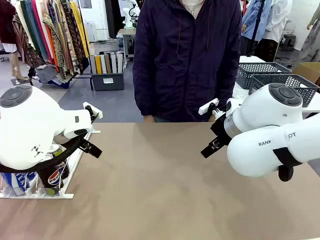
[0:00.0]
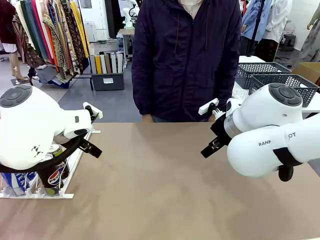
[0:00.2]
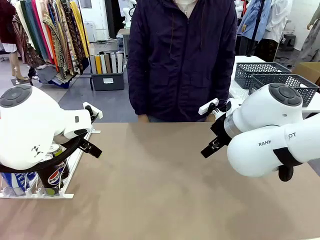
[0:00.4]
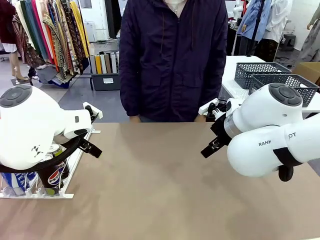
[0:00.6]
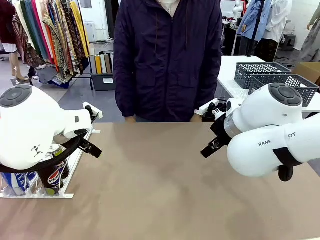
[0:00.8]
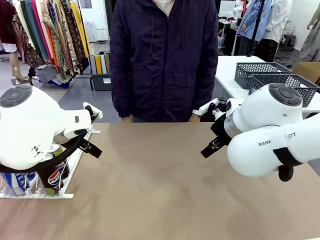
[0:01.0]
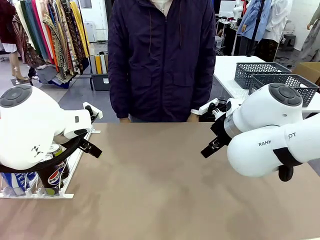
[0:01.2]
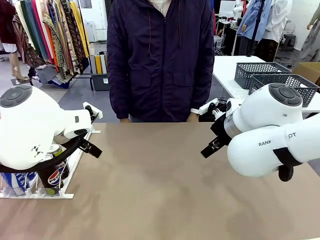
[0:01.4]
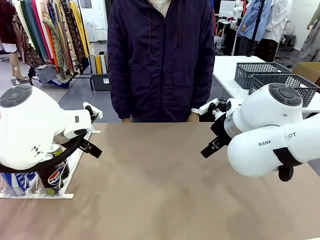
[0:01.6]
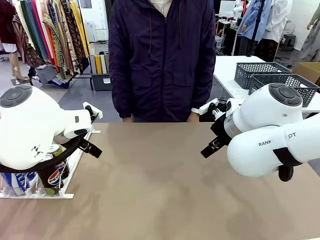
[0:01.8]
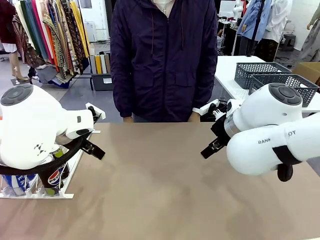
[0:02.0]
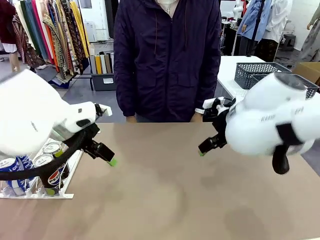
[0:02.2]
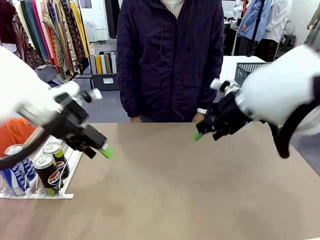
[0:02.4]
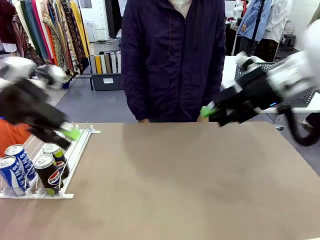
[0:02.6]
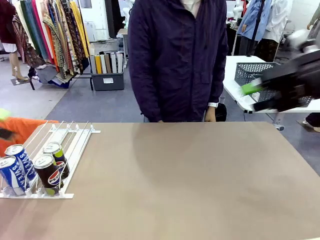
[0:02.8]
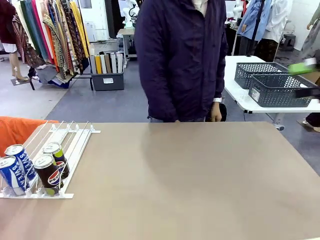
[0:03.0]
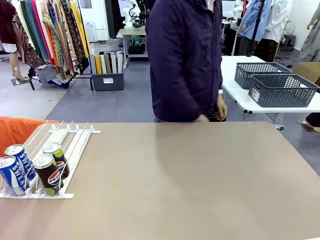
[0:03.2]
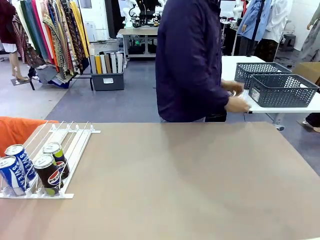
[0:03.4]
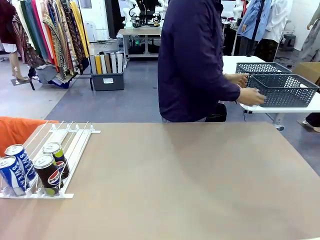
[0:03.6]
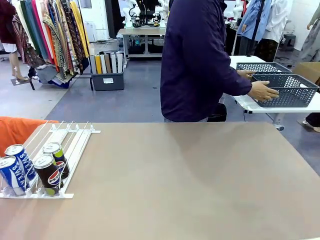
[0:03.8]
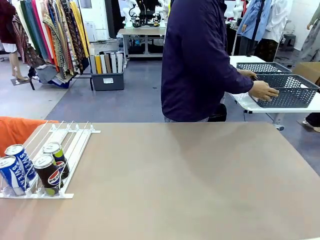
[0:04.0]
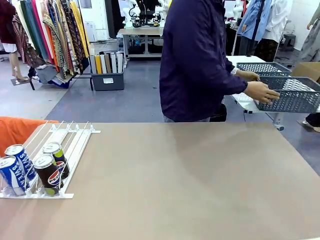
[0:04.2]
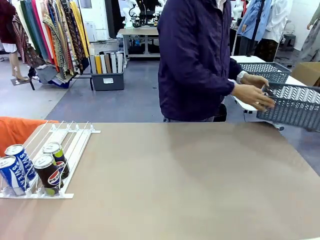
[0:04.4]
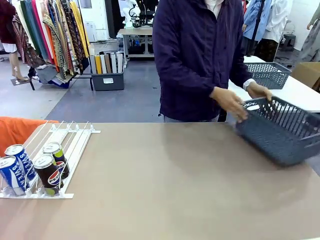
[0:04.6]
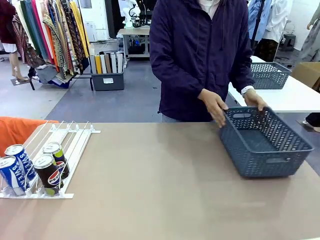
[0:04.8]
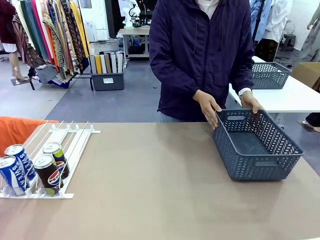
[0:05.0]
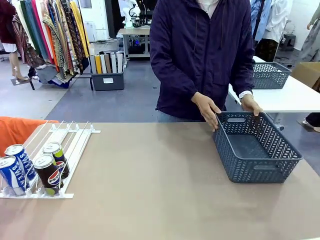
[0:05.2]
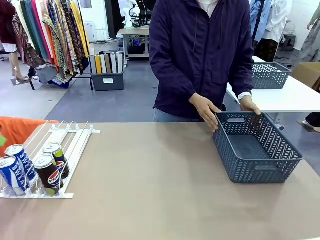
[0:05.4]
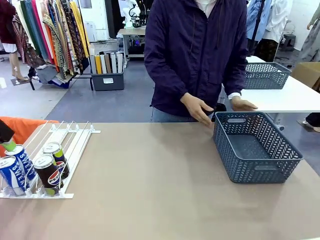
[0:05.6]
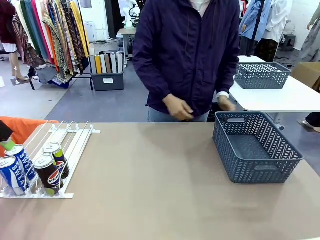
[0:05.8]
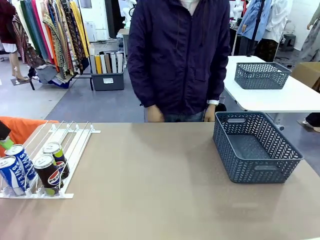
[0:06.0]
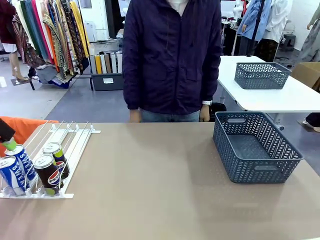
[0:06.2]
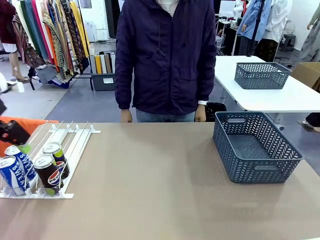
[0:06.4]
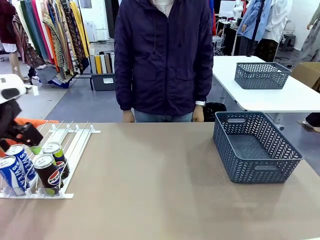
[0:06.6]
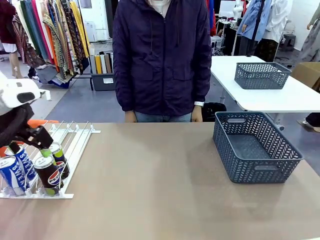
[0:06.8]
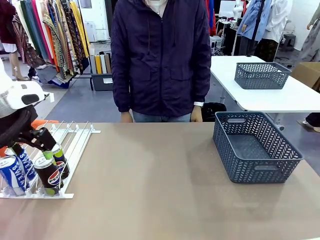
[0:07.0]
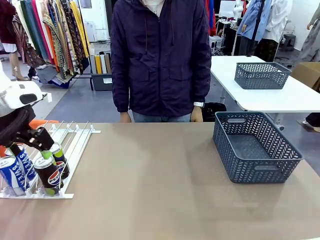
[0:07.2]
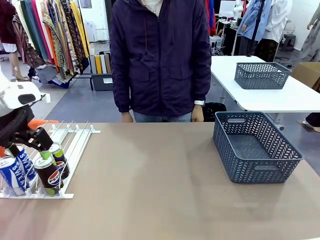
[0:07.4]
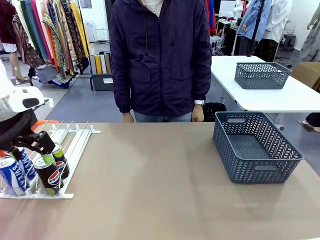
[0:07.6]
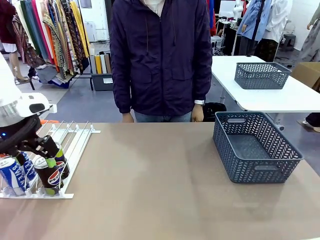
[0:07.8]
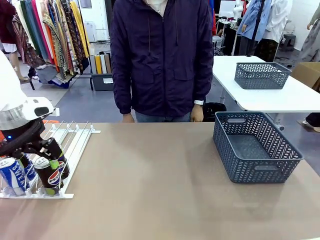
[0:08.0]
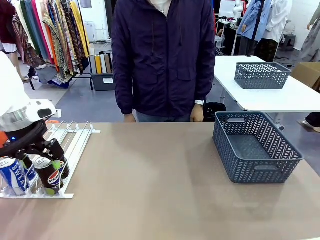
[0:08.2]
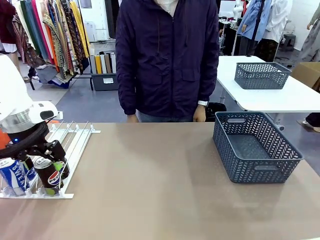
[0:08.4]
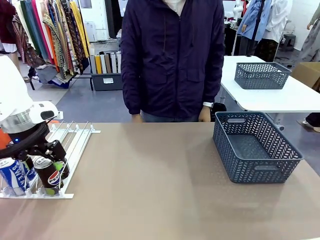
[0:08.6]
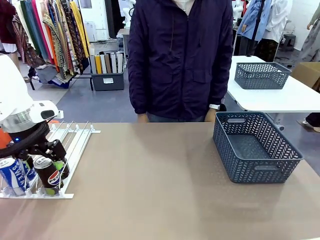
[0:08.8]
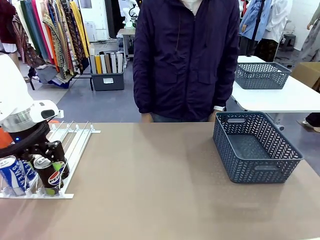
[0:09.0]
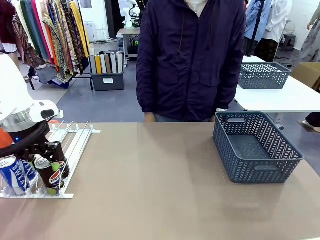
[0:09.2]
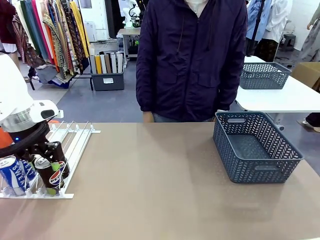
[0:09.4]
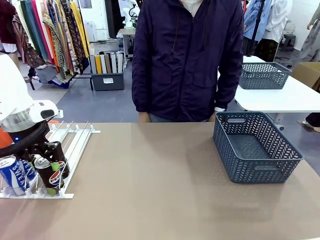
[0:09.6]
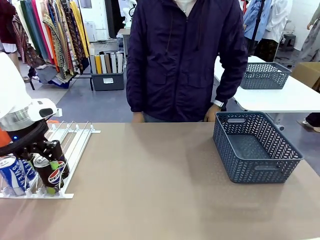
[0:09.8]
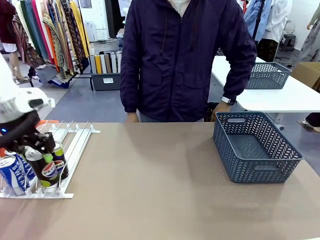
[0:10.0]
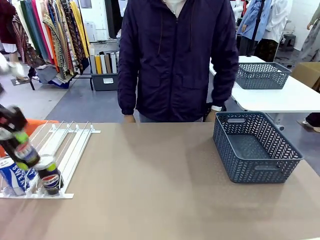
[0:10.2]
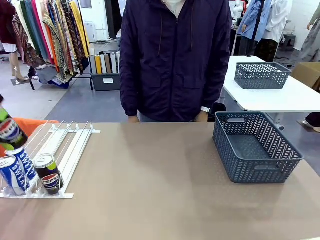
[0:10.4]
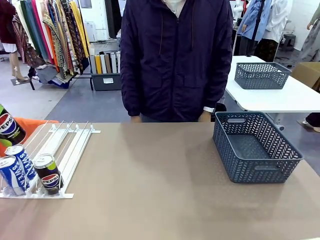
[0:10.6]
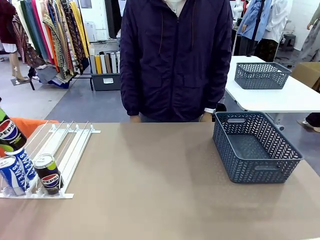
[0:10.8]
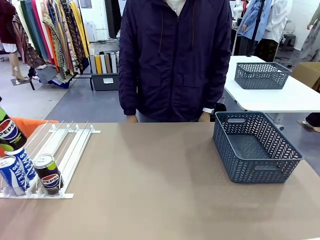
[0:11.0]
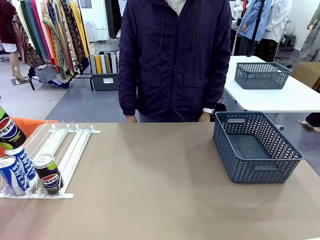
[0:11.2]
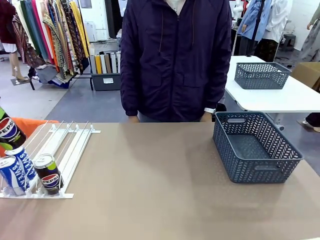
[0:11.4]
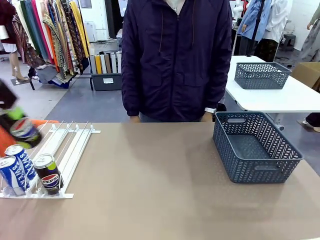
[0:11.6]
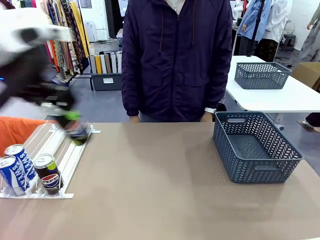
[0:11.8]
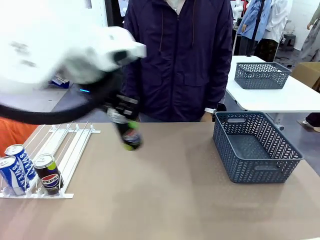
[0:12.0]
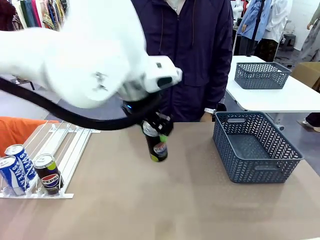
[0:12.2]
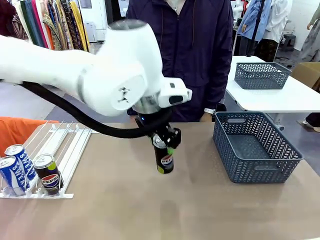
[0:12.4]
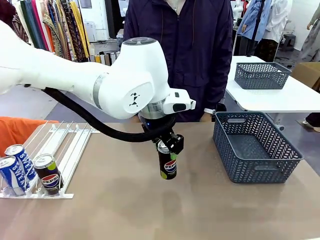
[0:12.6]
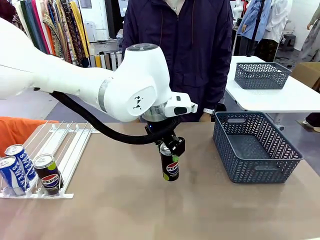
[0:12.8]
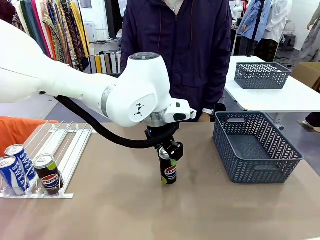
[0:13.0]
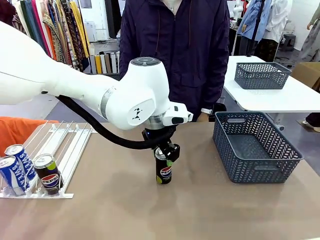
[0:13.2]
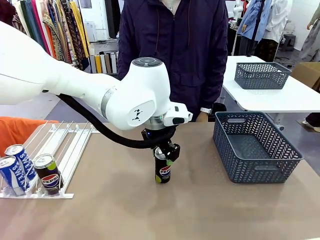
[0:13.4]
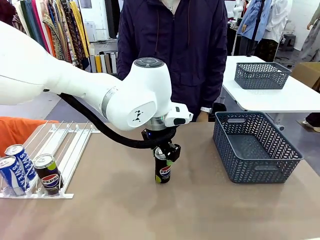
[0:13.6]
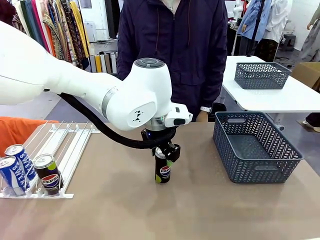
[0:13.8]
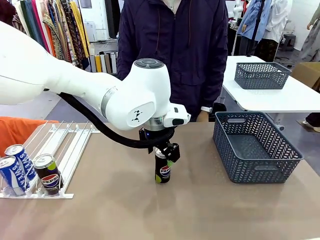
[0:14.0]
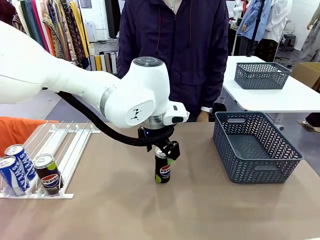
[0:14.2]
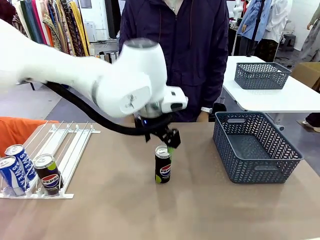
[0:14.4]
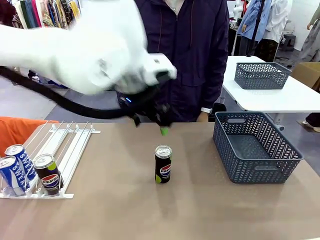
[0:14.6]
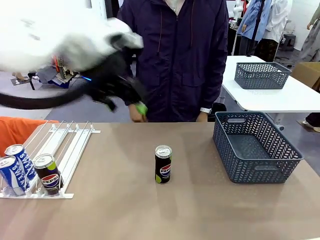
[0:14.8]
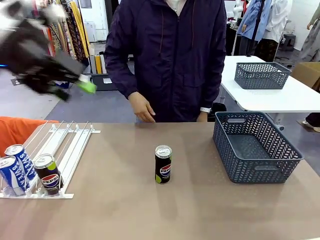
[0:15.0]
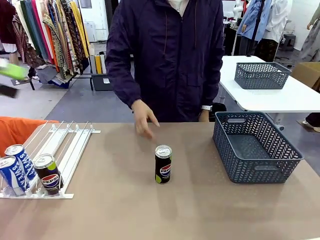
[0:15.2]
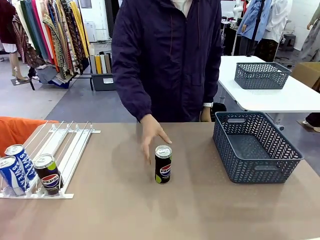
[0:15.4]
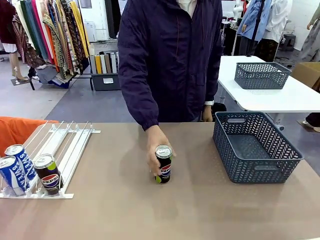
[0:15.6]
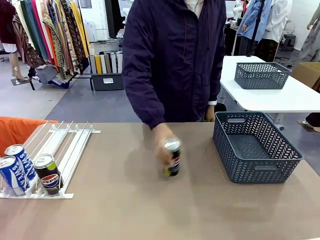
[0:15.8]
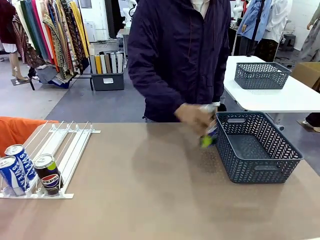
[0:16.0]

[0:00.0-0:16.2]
Task: Retrieve and store the cans from the dispenser.
Robot: Pick up one can from the Automatic Can Dispenser and place it in the middle of the table.
Person: Pick up the basket and place it on the left side of the robot table.
